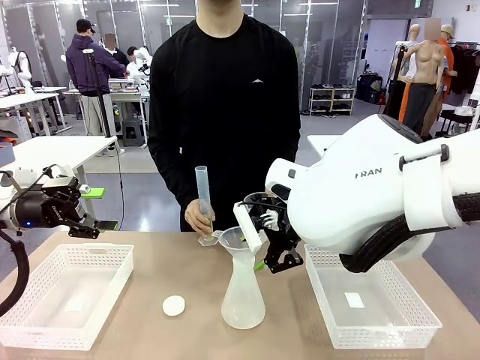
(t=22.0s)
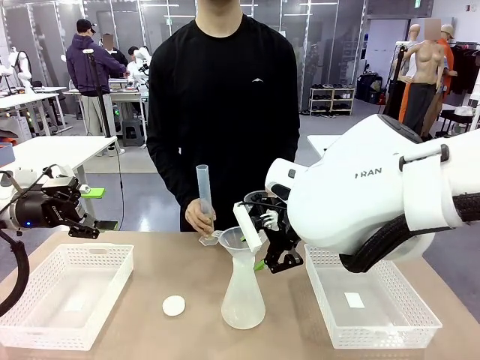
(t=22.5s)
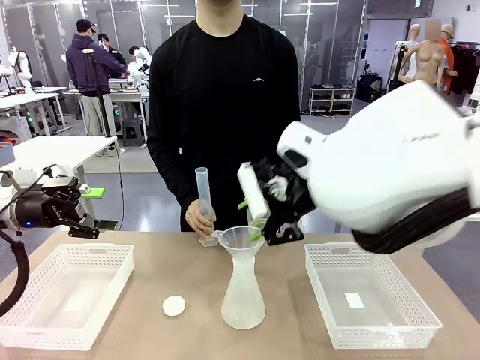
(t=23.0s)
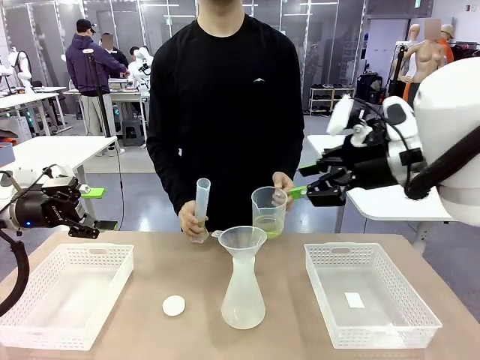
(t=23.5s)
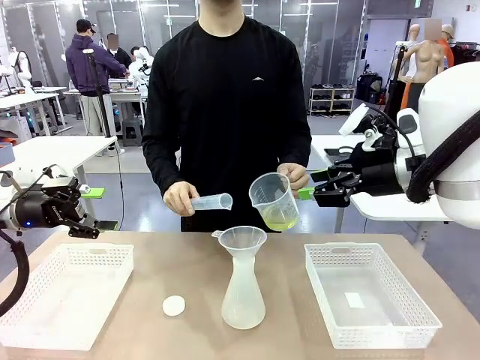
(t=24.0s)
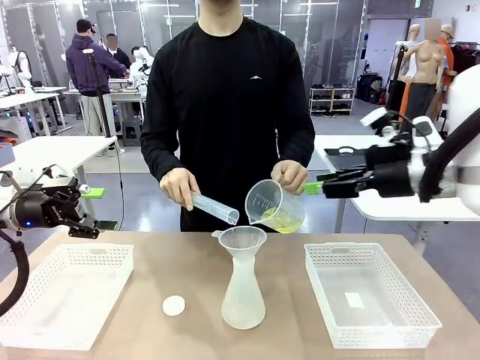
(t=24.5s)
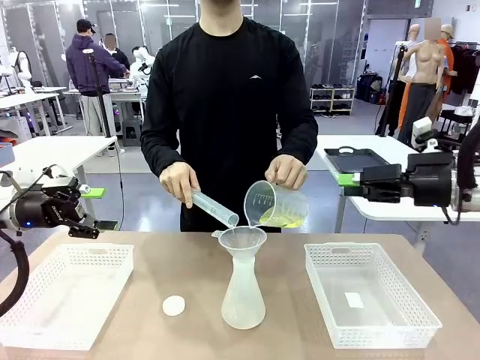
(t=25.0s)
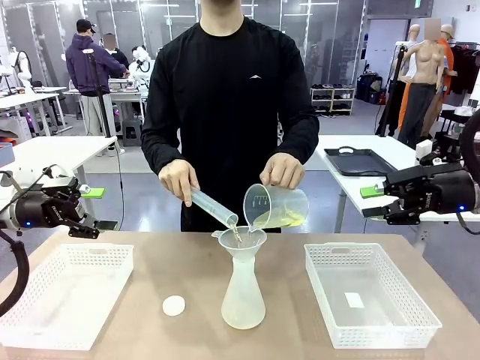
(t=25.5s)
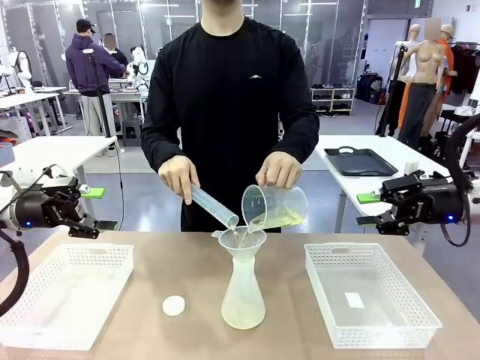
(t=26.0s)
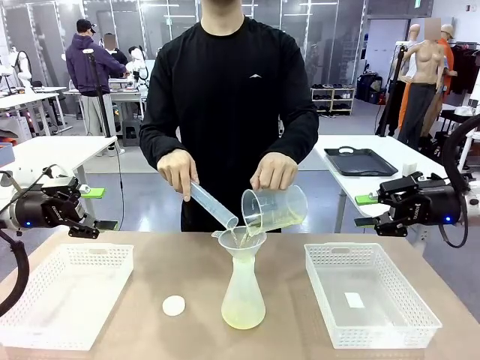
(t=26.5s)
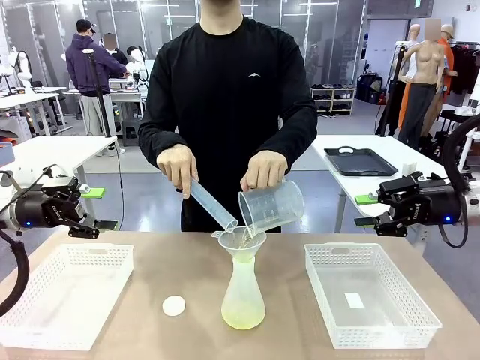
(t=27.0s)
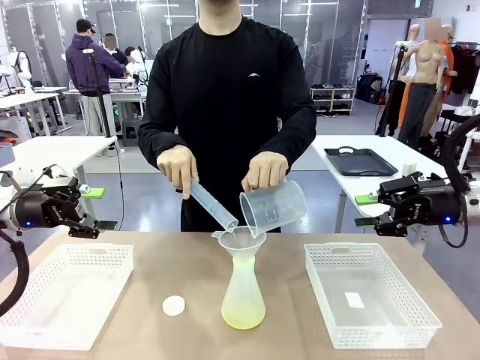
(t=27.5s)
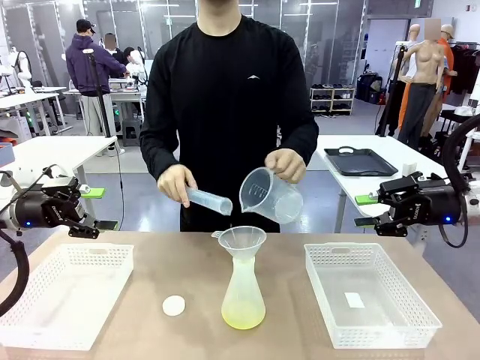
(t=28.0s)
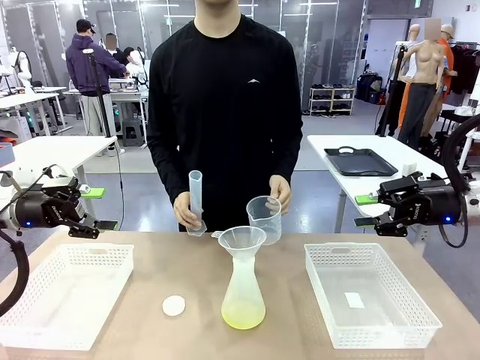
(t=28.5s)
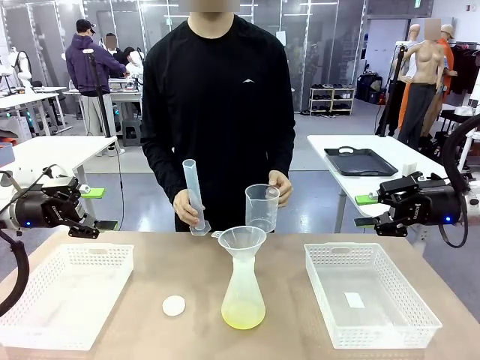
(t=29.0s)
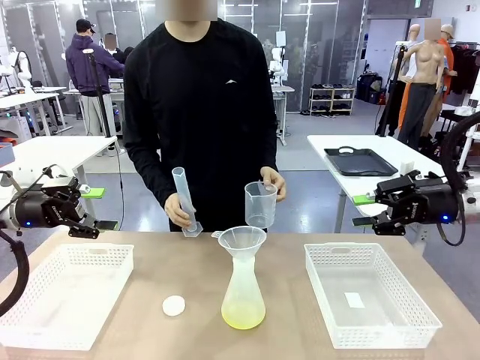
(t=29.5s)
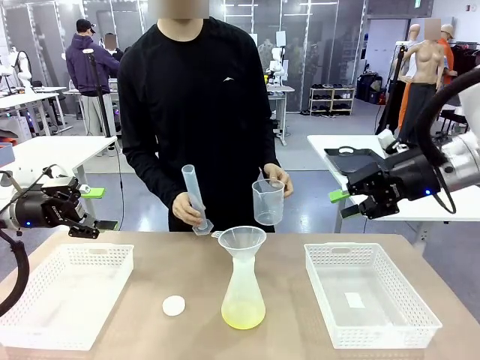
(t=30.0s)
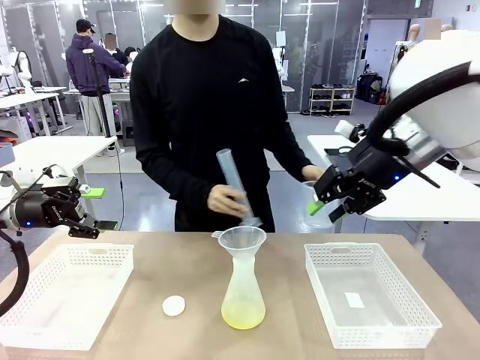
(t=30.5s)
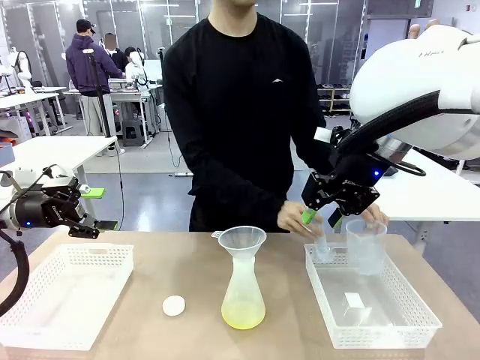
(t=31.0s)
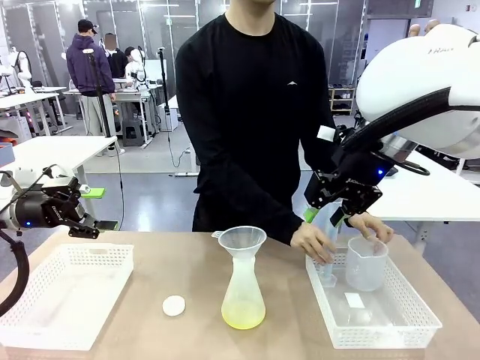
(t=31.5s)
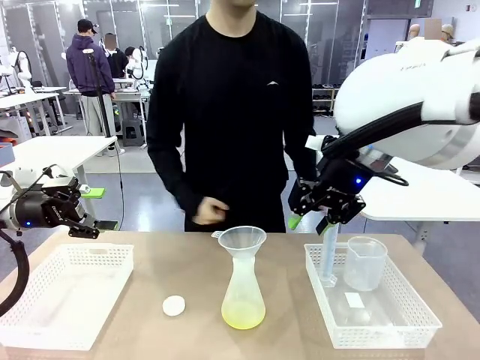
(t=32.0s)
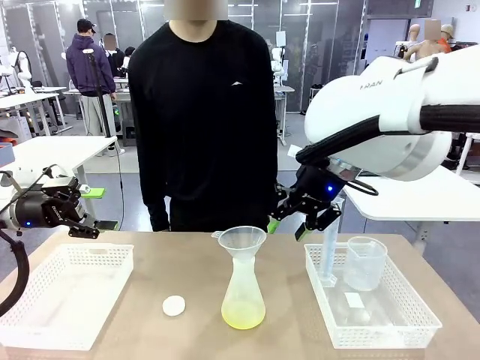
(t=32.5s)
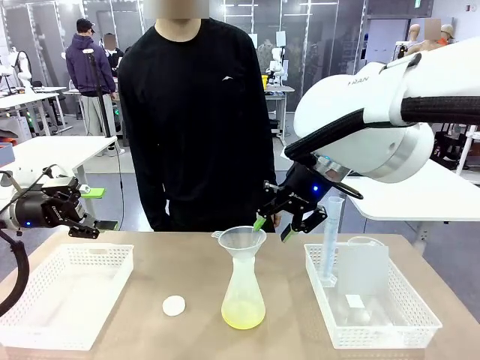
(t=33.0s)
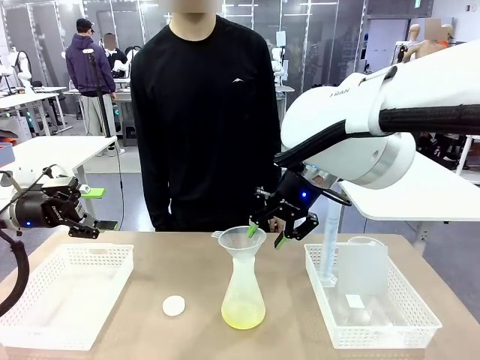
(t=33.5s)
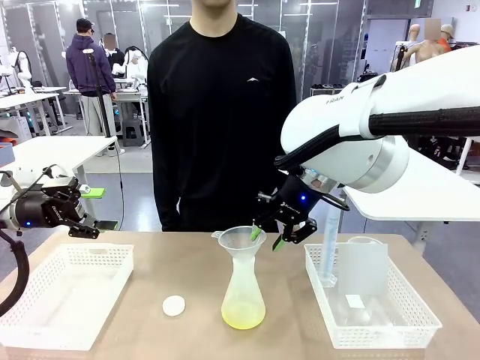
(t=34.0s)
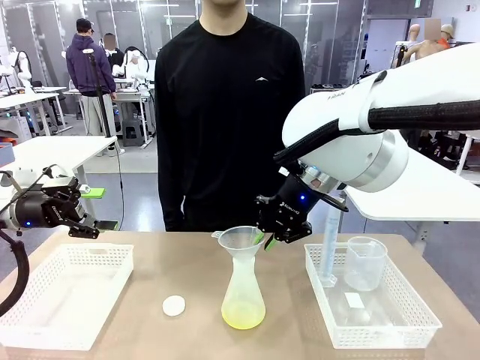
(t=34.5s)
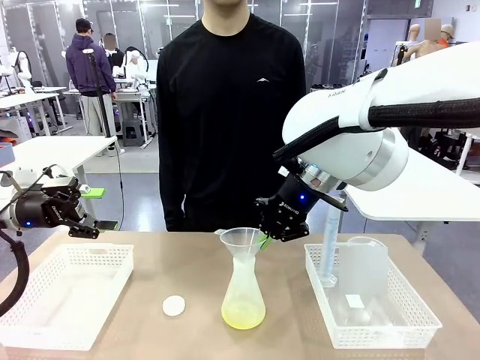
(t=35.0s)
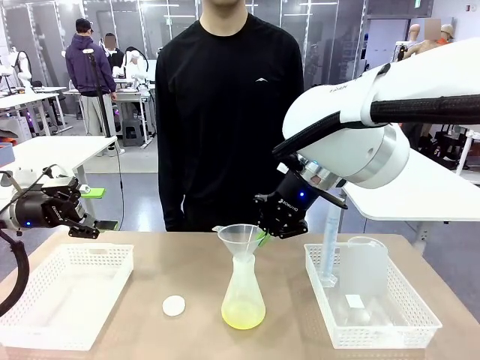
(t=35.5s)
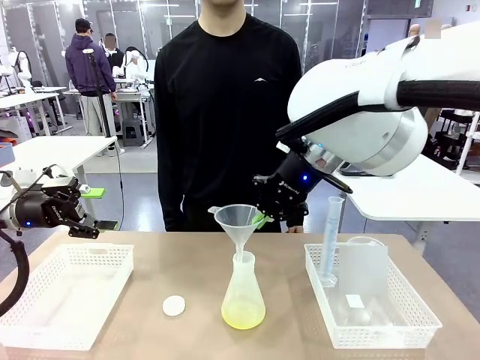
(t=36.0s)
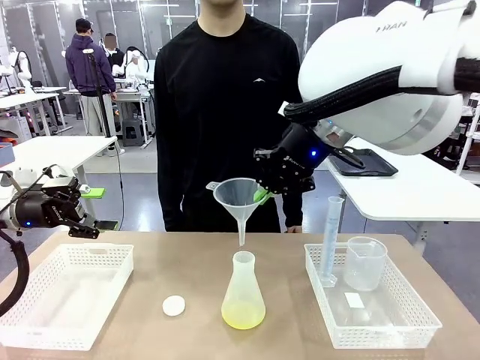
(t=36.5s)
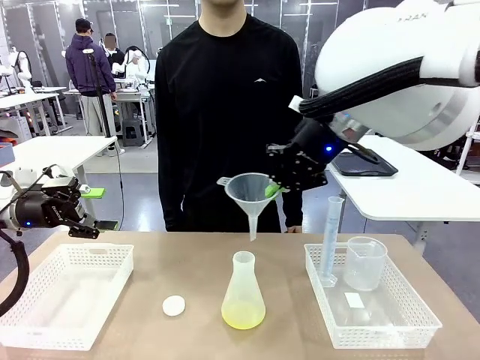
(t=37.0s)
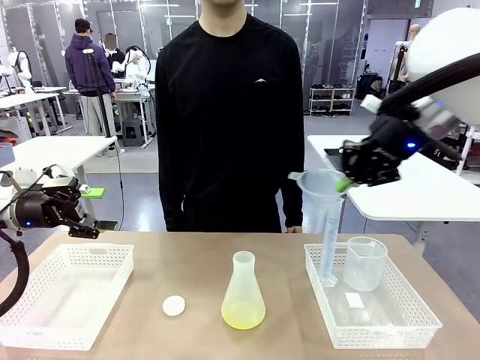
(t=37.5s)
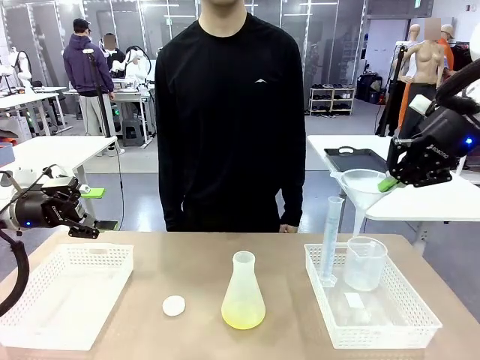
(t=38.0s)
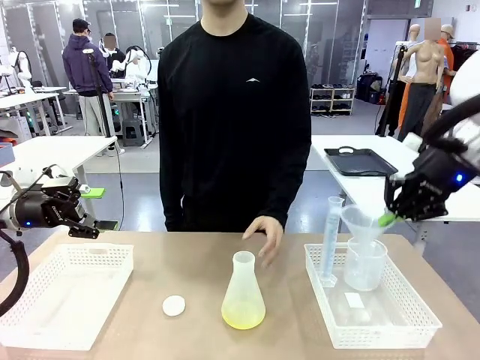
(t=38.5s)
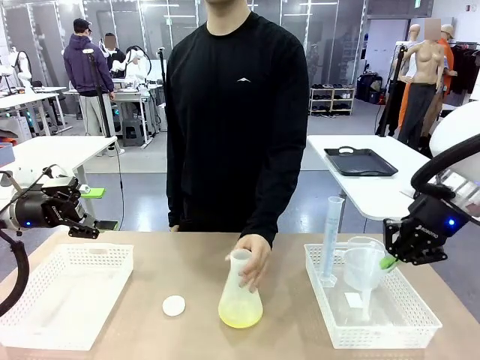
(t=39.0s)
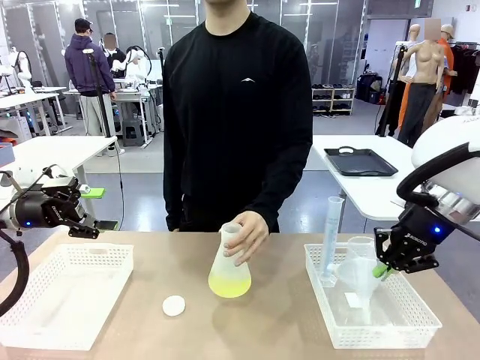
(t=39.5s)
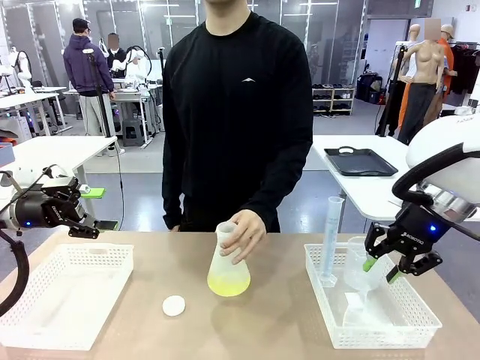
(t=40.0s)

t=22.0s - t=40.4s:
Task: Prepare the solutions needed for the experiment.
Robot: Once the solution is in the Big flask , pick up the Plastic Funnel and place it back into the right Organizing basket.
Person: Place the beaker and the cylinder into the organizing basket on the left side. Pick up the flask, gently shake it 2–3 times, place it in the middle of the robot table, and close the lid.

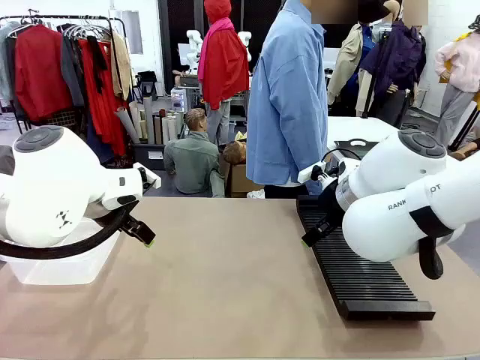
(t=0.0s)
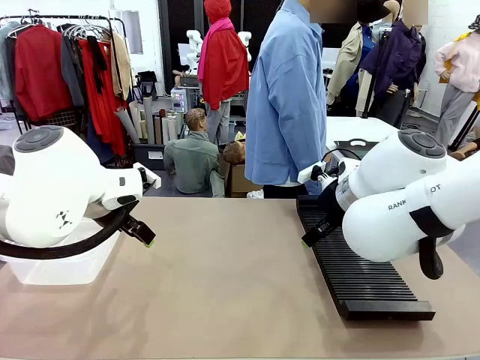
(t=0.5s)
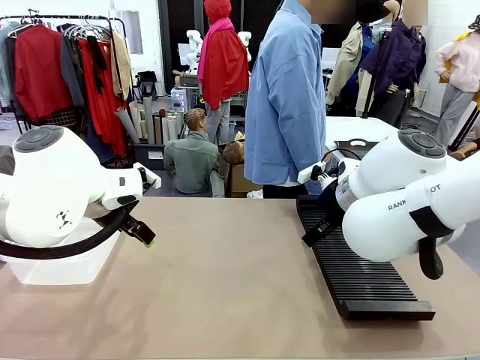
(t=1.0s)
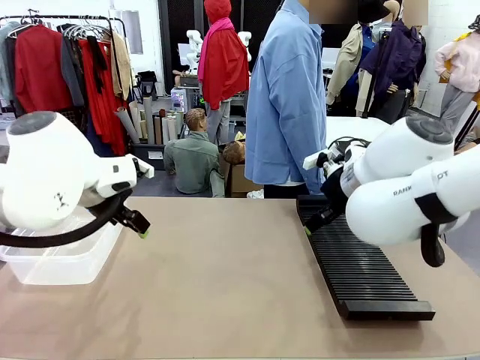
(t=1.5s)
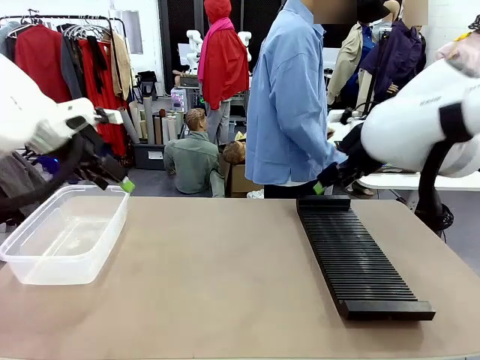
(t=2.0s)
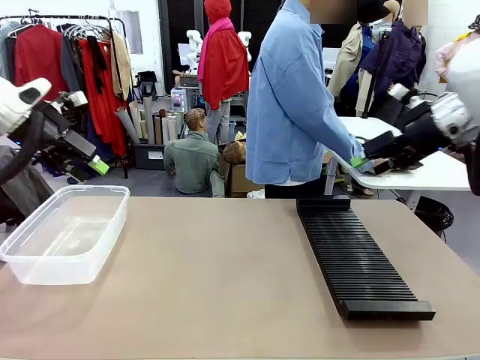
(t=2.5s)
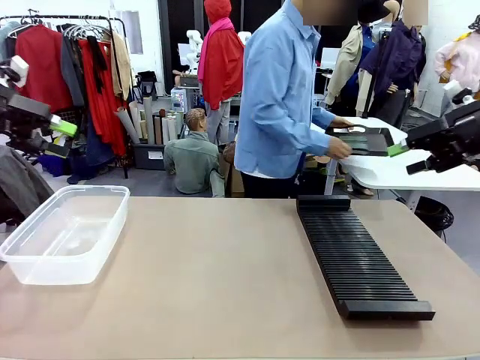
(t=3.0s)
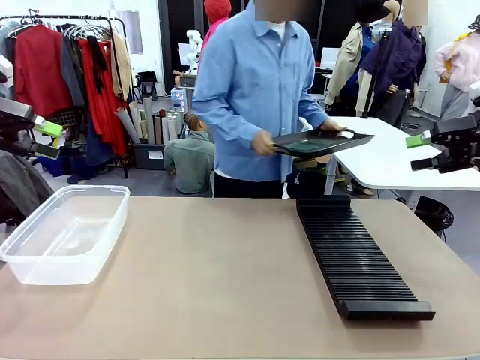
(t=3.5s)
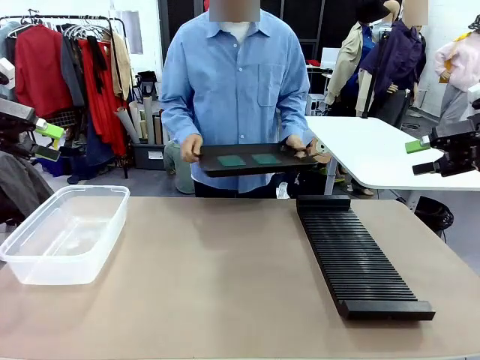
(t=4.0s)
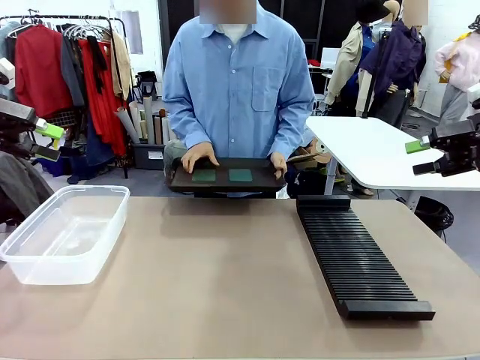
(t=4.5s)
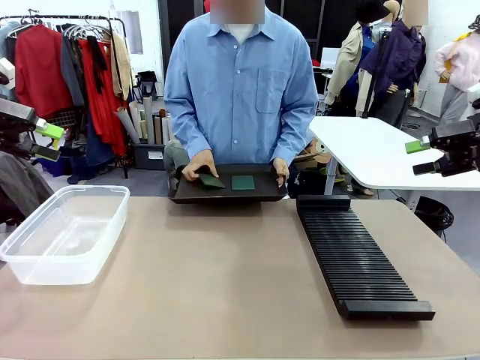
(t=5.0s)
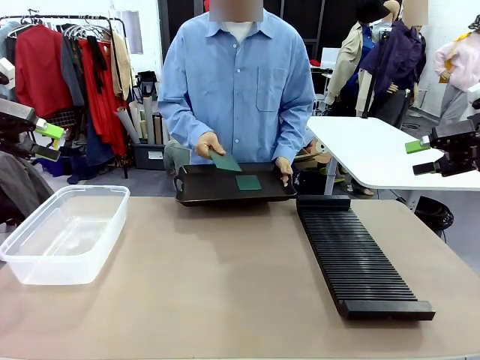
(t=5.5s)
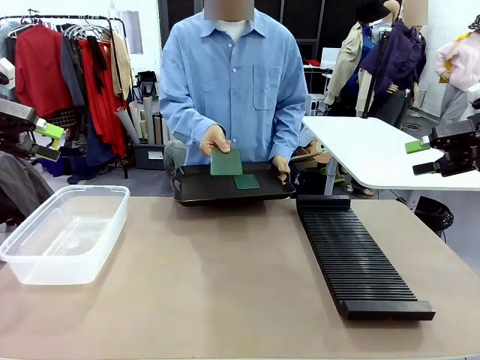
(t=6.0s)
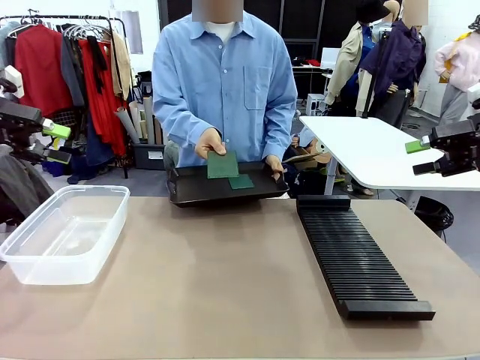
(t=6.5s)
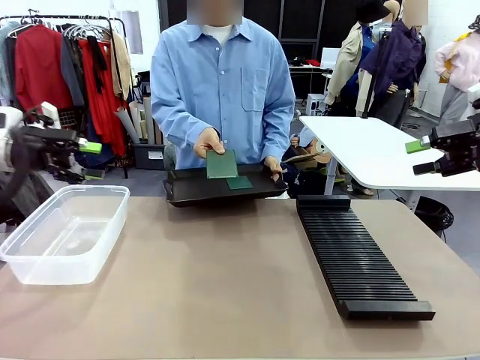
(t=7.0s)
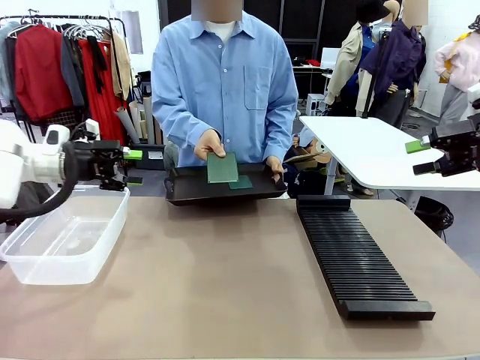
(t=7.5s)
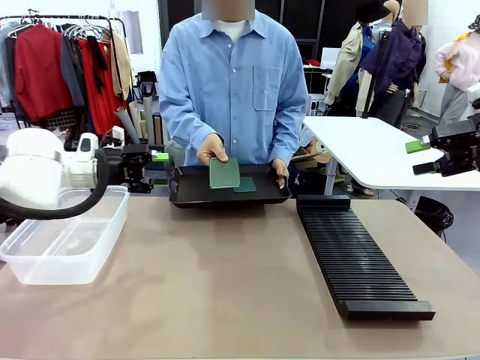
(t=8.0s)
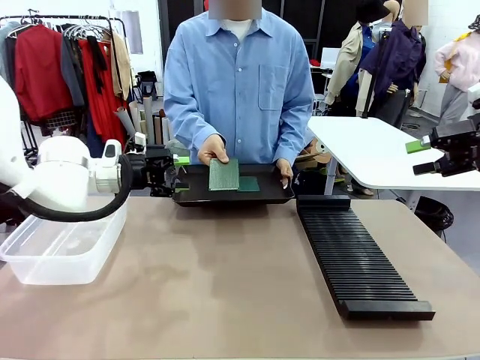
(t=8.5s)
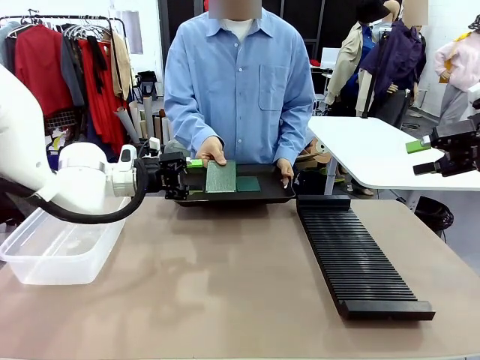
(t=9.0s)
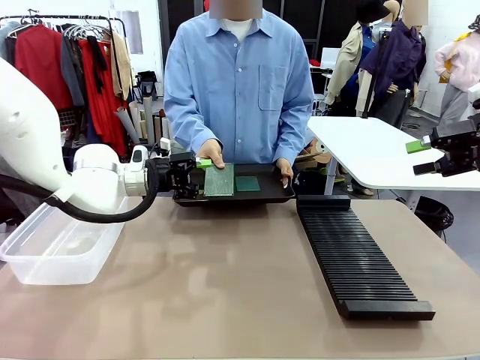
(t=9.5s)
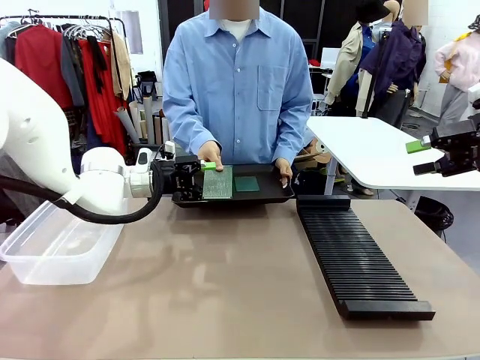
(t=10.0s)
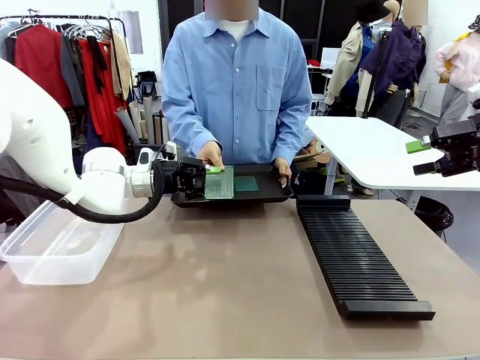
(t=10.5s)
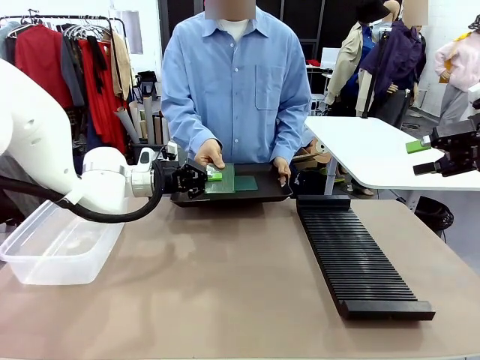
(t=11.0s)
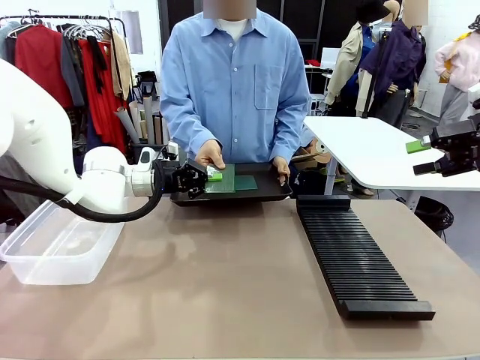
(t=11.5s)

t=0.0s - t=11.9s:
Task: Sort PCBs into racks and boxes based on the side picked up.
Robot: Pick up the Blank PCB handed by the Human.
Person: Pick one PCB from the tray and present it to the robot. Release the PCB being held.
